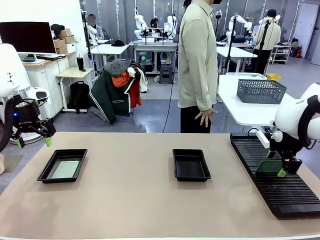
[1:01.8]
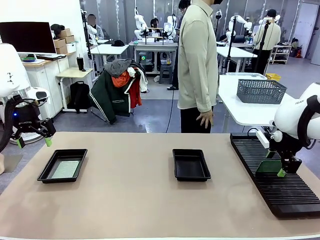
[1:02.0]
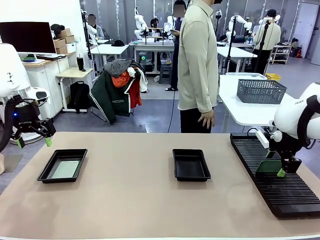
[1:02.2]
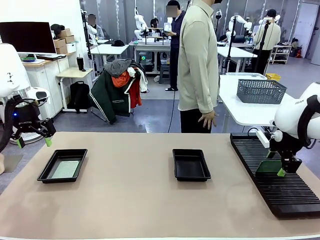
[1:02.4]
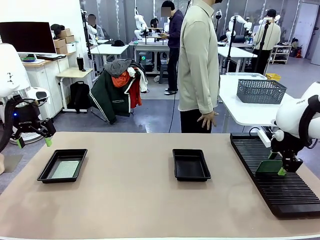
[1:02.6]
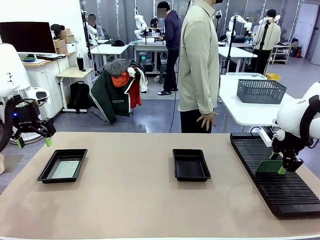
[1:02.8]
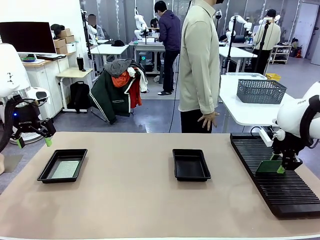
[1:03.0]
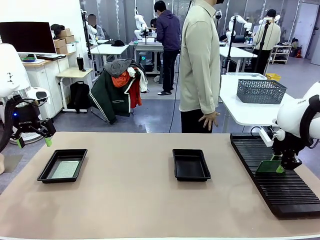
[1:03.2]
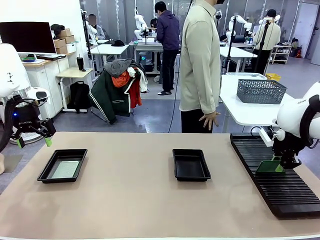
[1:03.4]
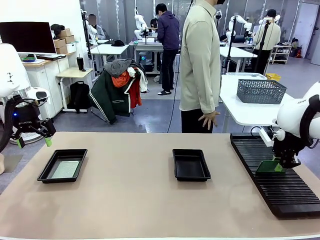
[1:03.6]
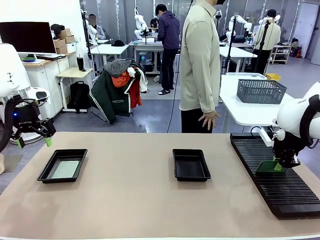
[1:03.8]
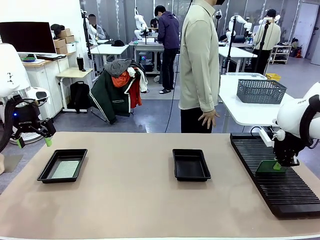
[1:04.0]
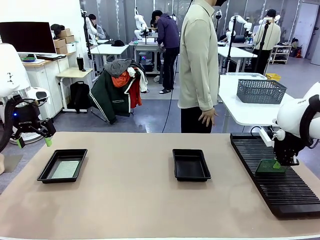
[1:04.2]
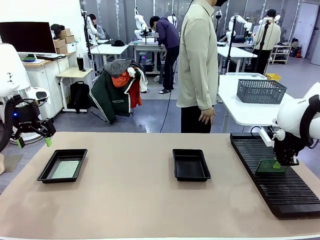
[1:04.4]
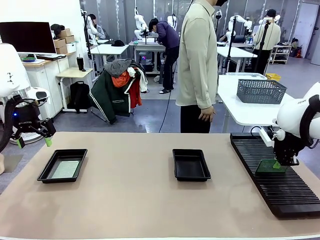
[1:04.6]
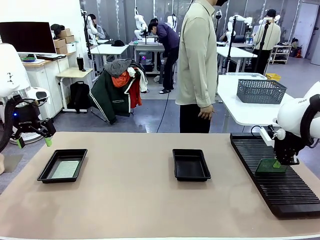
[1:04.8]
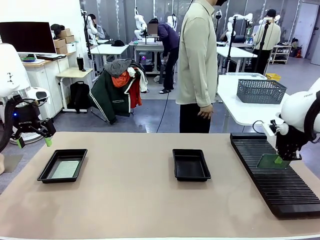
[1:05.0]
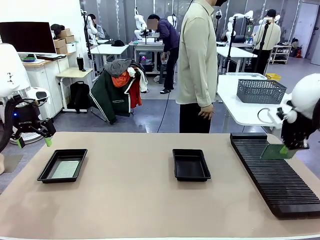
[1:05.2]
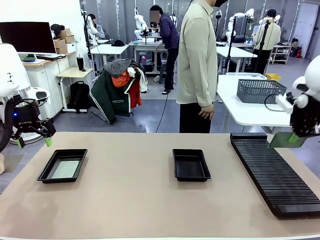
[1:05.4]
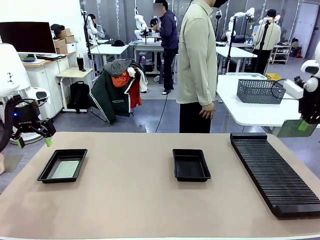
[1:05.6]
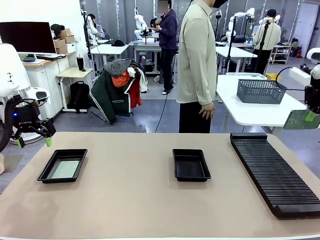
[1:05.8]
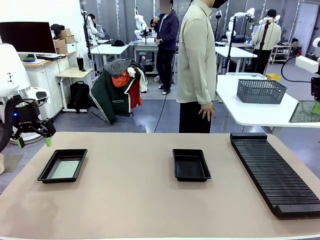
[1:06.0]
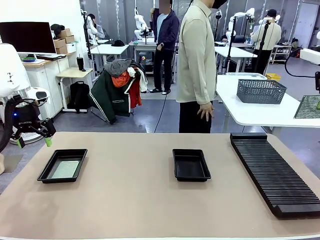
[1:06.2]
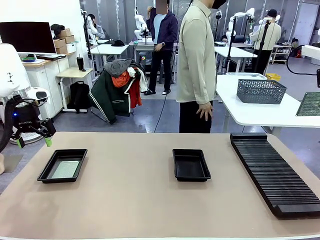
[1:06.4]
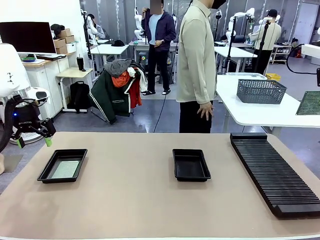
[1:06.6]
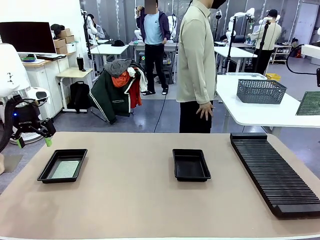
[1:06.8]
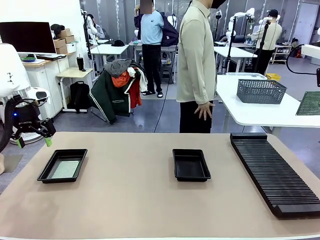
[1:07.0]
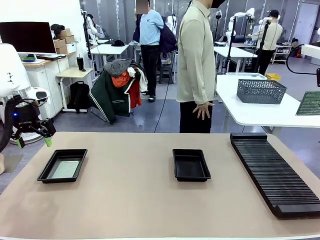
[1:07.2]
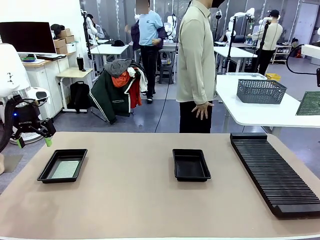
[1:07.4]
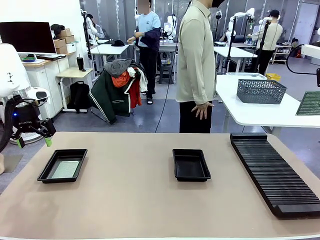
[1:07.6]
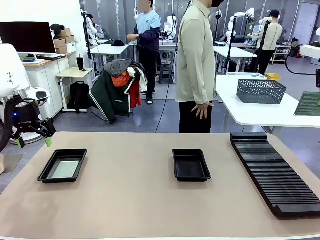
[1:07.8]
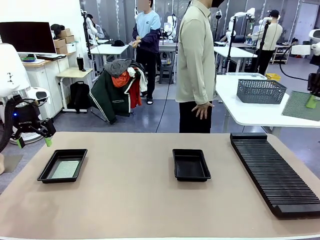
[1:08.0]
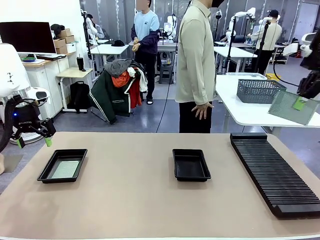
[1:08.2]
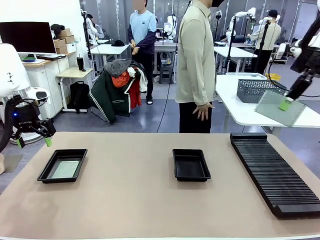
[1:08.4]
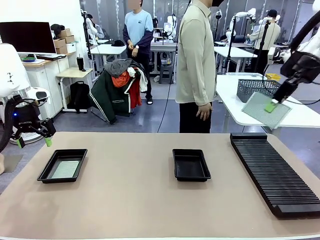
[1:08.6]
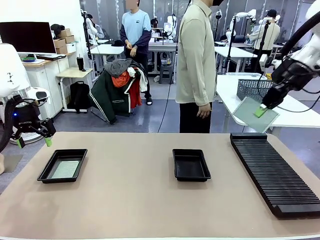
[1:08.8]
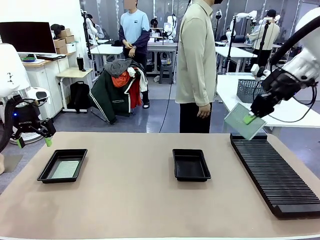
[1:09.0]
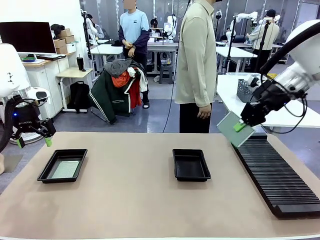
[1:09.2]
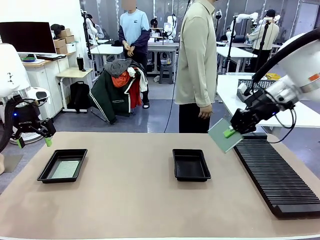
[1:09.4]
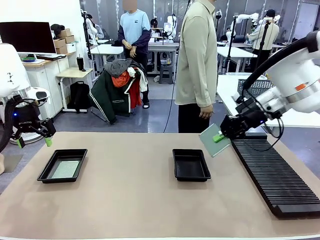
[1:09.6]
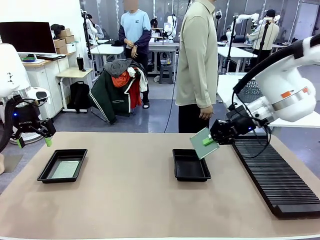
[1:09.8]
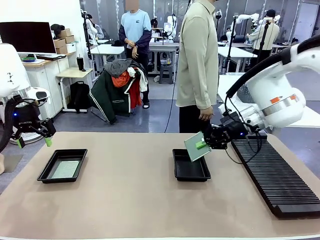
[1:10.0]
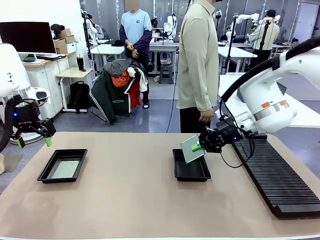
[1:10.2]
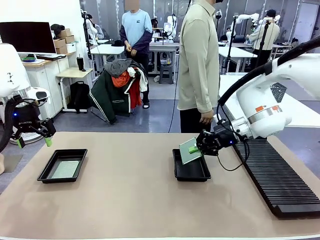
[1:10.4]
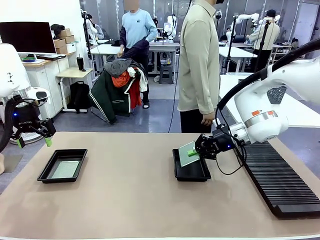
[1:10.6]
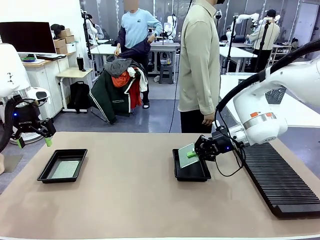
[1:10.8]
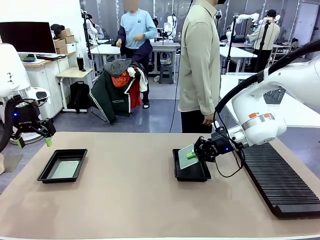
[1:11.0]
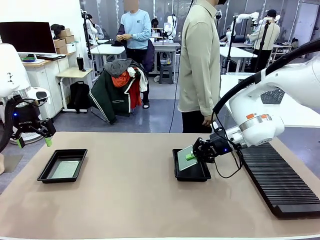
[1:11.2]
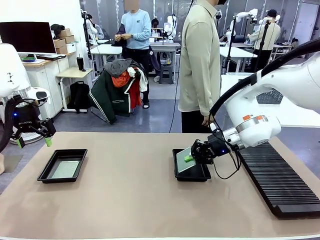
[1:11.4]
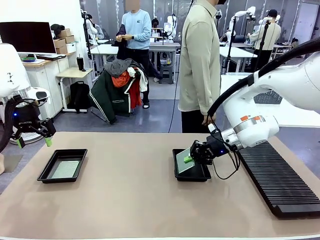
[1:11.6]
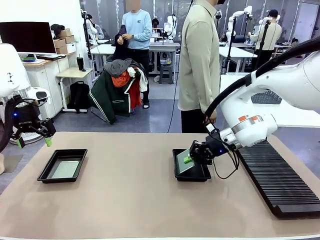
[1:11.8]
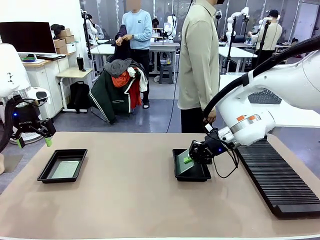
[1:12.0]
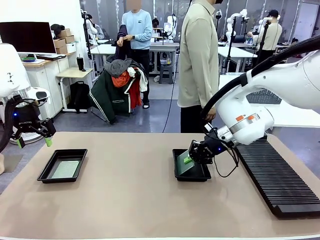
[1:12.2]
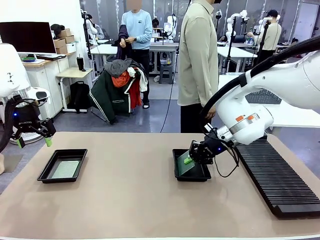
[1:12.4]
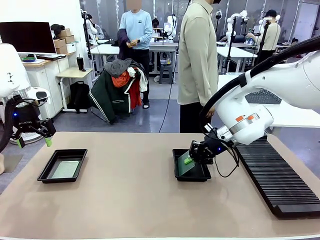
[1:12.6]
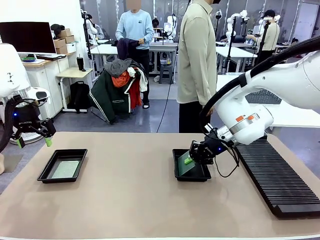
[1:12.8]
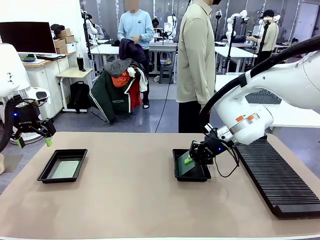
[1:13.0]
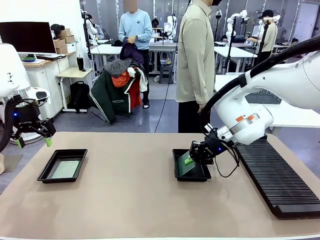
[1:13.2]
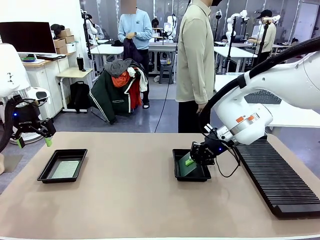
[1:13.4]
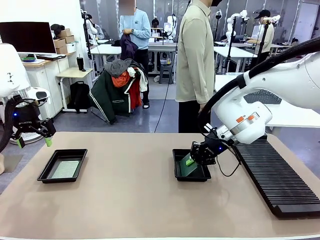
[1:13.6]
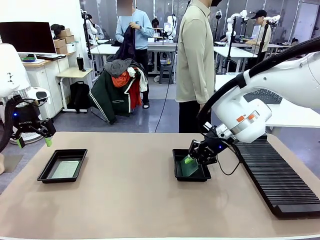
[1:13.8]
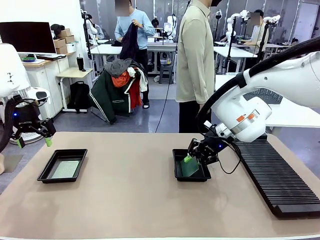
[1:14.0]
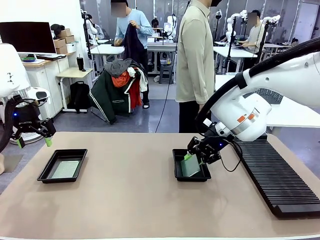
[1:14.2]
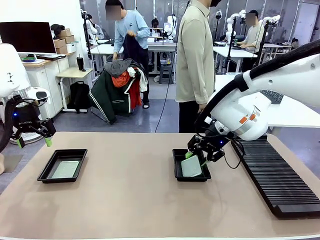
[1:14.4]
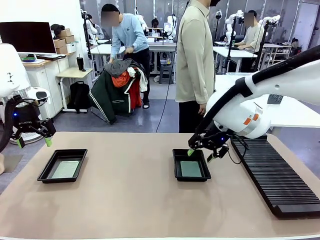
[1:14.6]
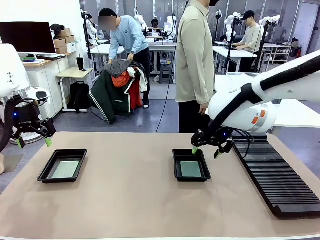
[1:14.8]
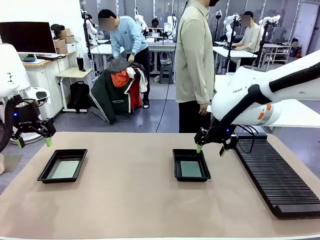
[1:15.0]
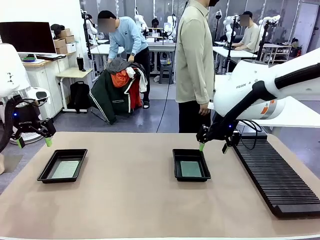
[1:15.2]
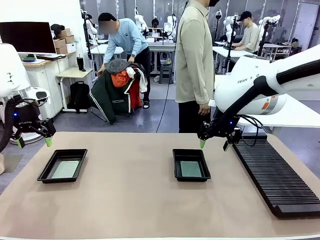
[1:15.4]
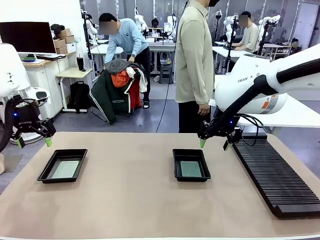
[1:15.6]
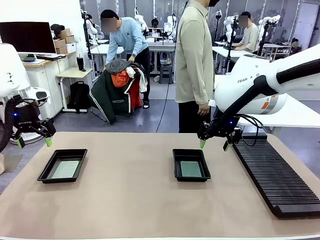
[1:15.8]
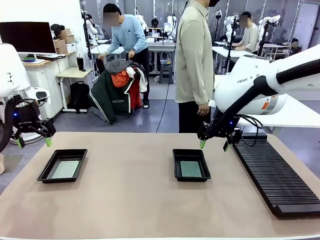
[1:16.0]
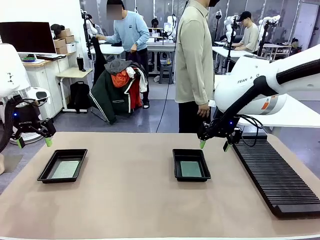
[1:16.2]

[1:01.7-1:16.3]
Task: Inspect and transfer BCBs to ESD trays.
Robot: Pick up the Blank PCB from the PCB Rack and place it in the right ESD tray.
